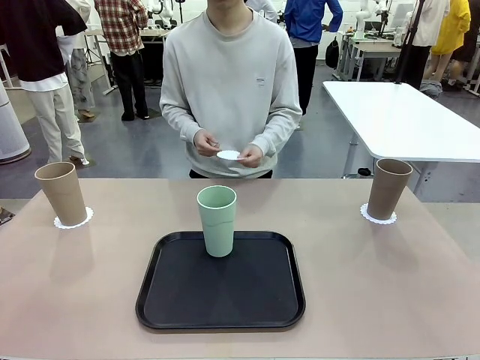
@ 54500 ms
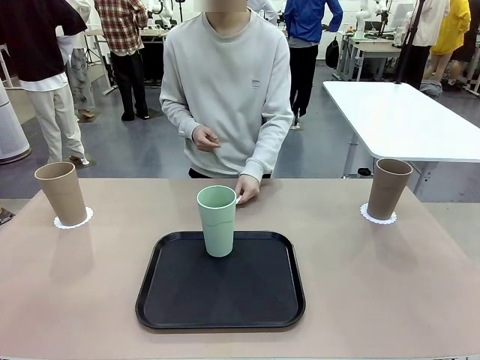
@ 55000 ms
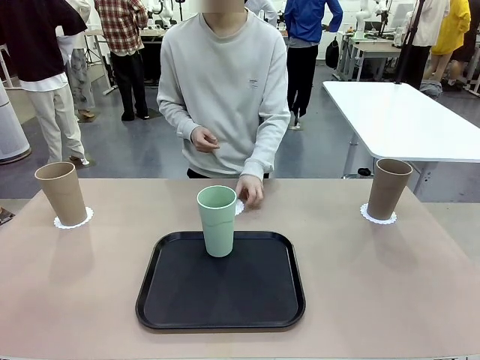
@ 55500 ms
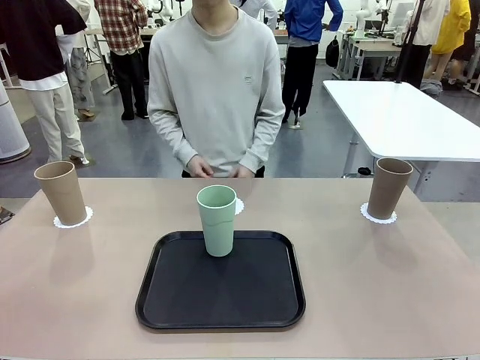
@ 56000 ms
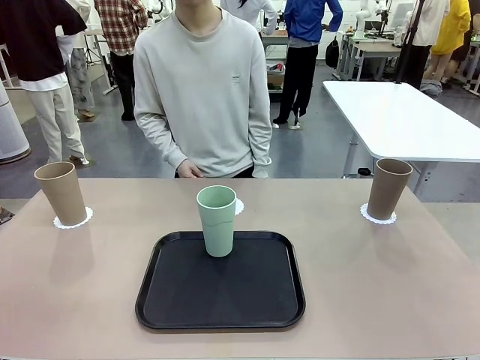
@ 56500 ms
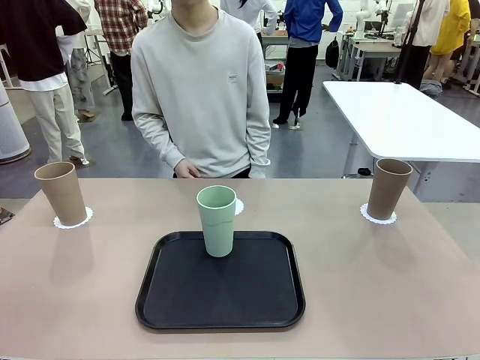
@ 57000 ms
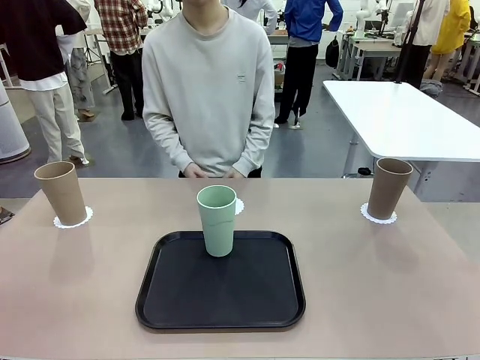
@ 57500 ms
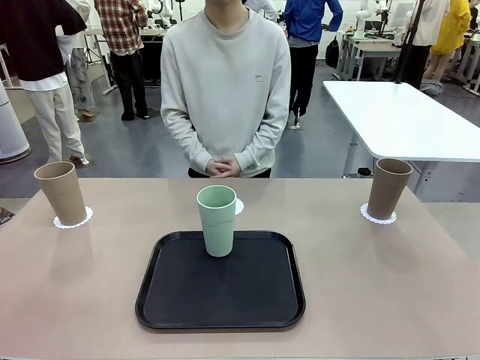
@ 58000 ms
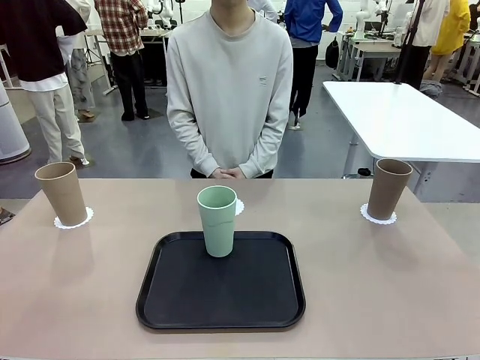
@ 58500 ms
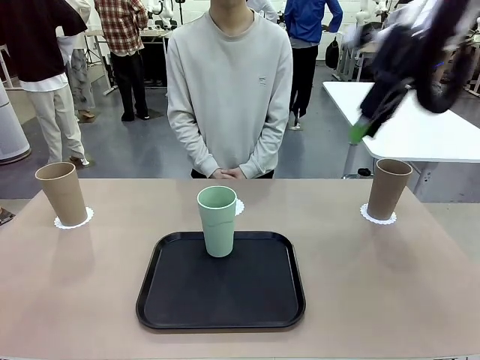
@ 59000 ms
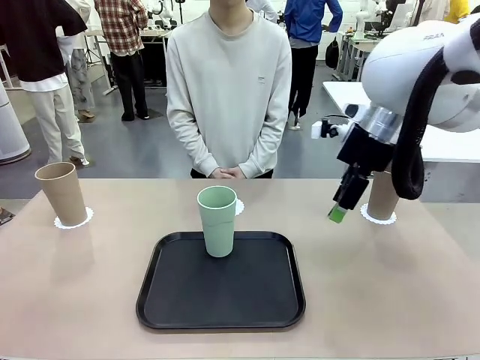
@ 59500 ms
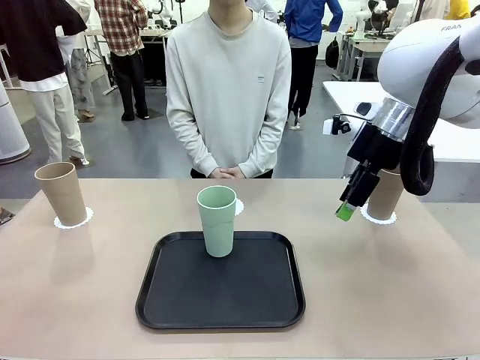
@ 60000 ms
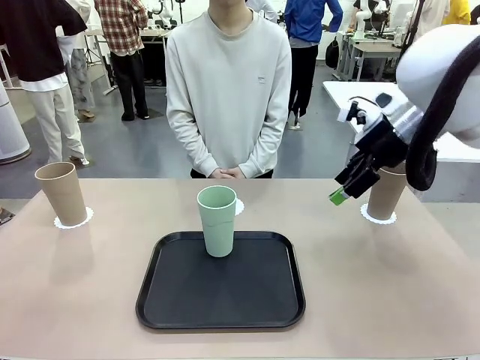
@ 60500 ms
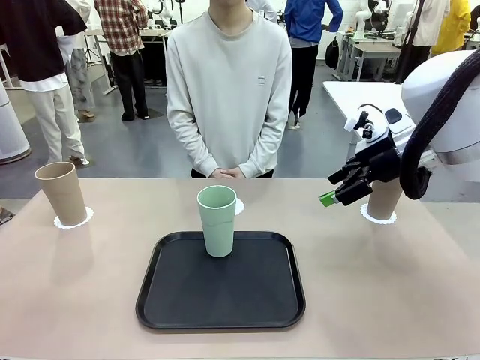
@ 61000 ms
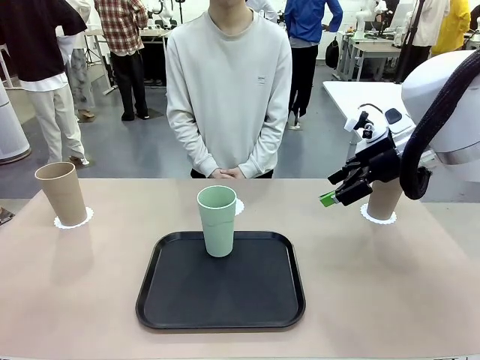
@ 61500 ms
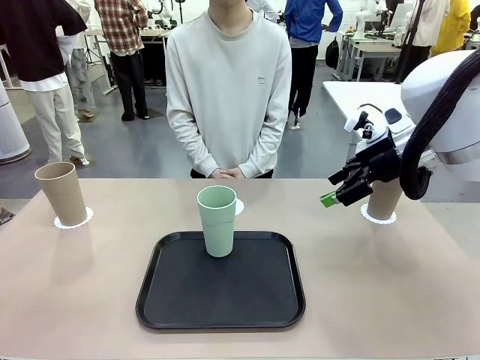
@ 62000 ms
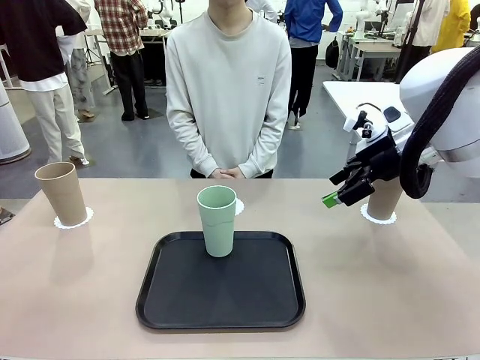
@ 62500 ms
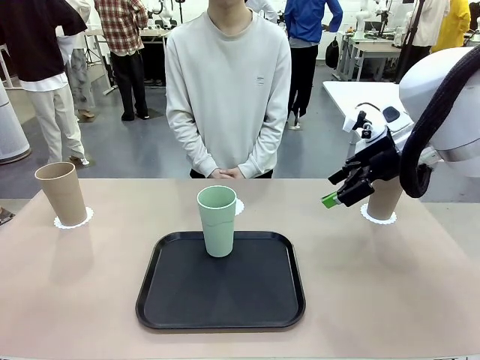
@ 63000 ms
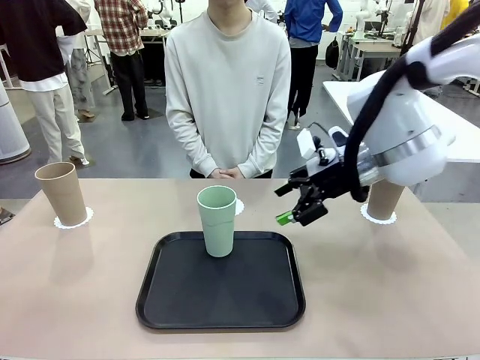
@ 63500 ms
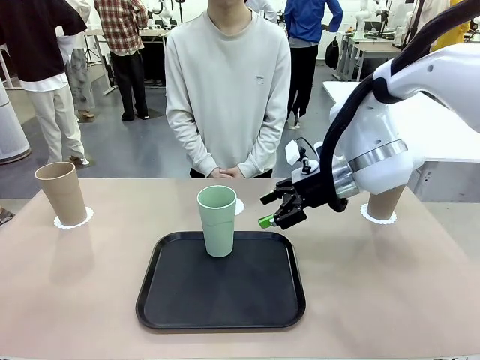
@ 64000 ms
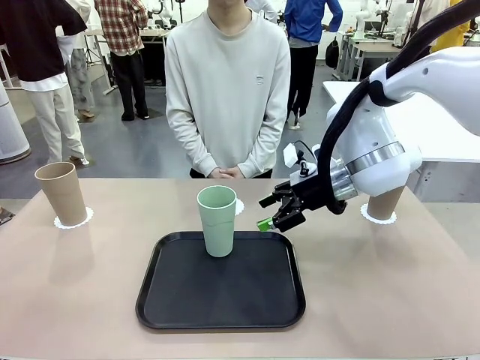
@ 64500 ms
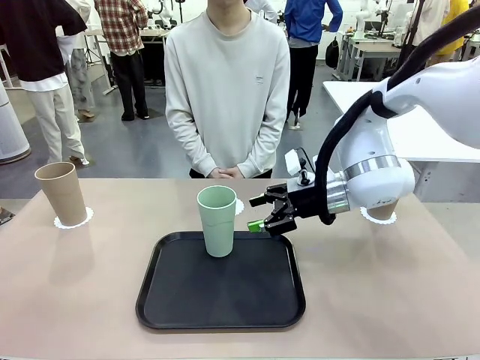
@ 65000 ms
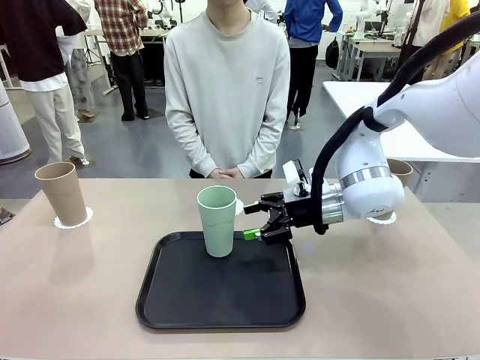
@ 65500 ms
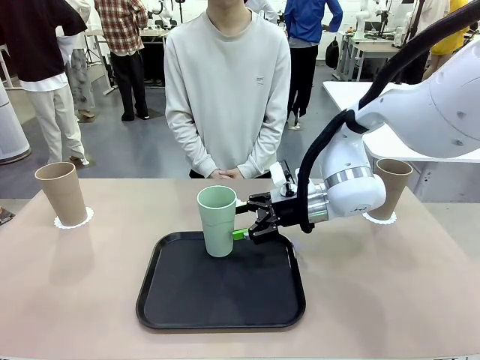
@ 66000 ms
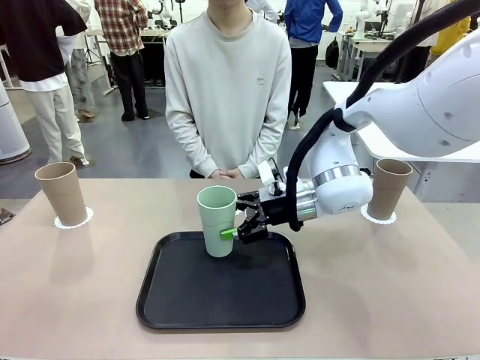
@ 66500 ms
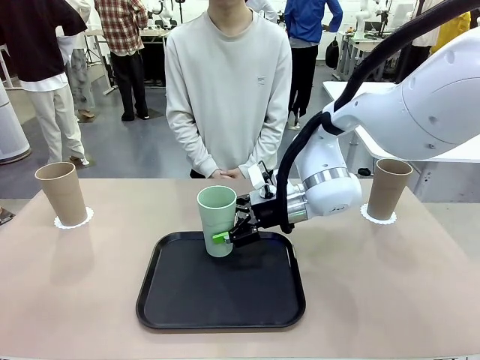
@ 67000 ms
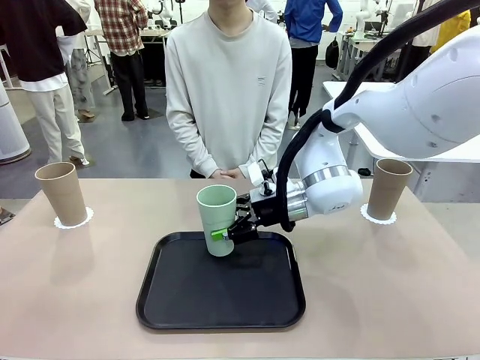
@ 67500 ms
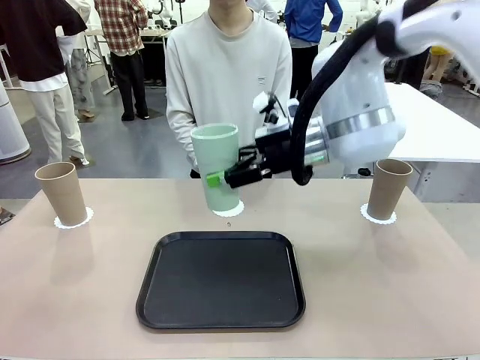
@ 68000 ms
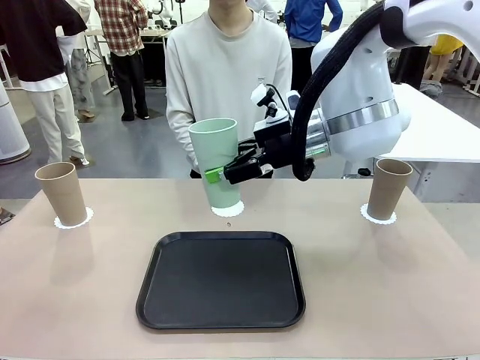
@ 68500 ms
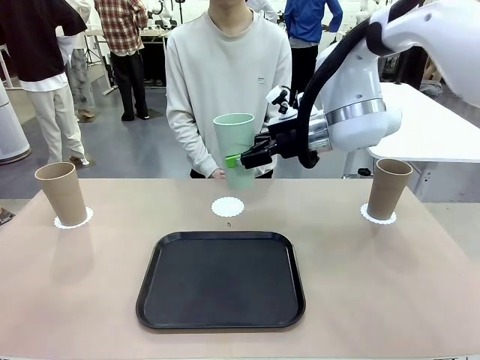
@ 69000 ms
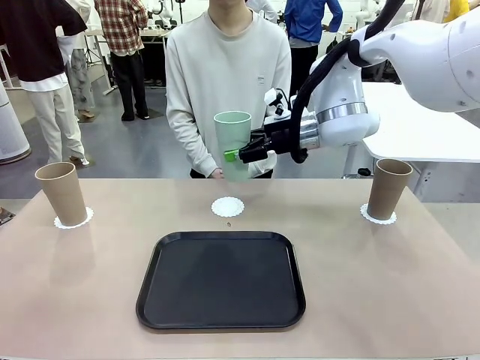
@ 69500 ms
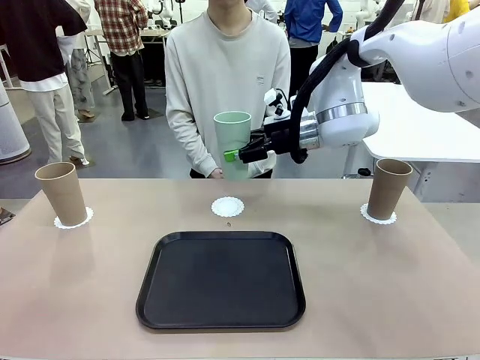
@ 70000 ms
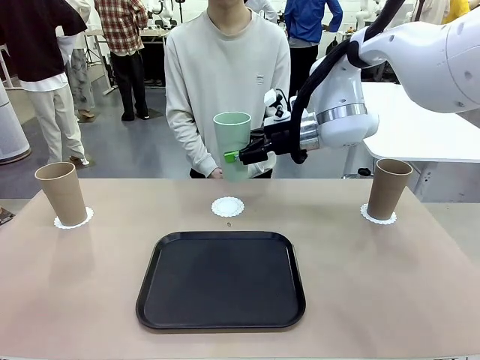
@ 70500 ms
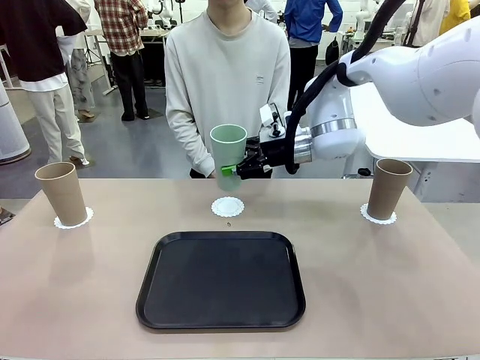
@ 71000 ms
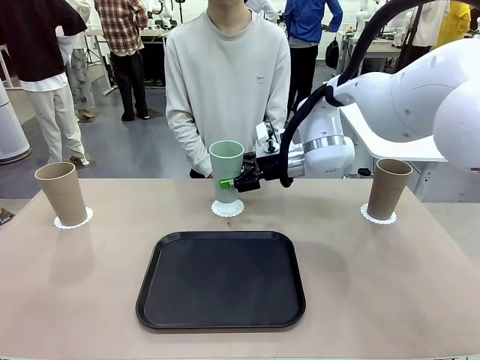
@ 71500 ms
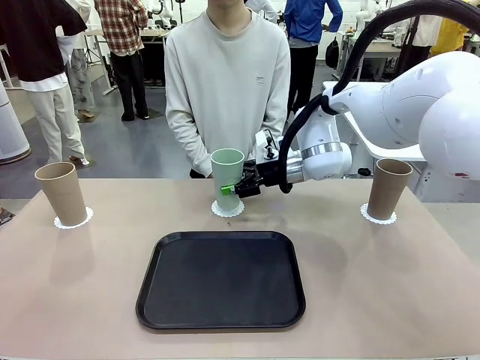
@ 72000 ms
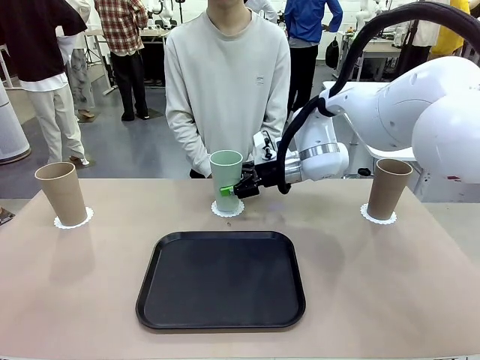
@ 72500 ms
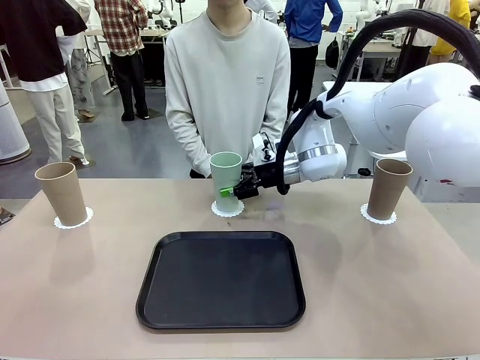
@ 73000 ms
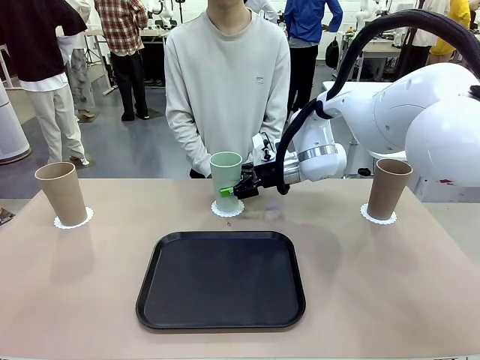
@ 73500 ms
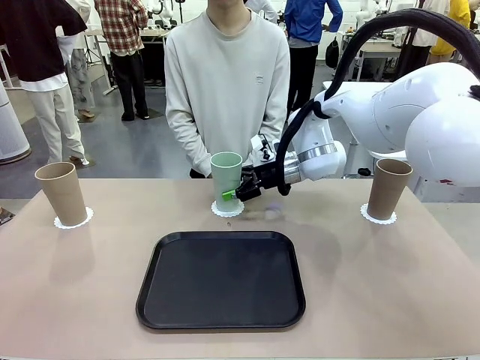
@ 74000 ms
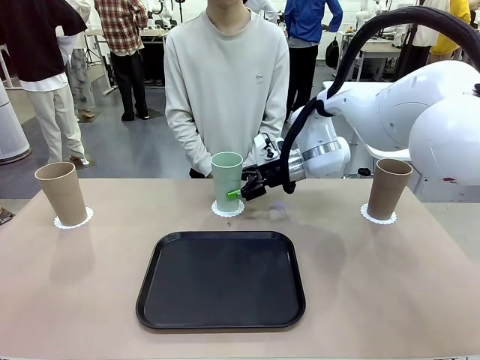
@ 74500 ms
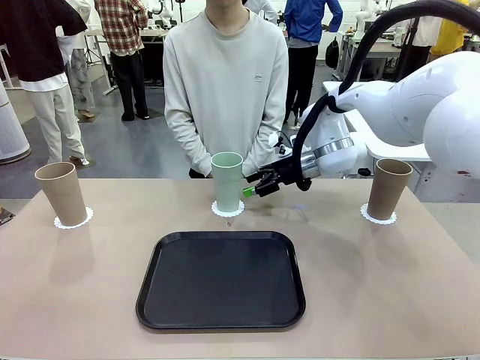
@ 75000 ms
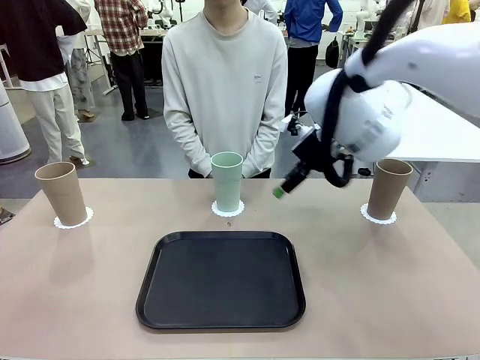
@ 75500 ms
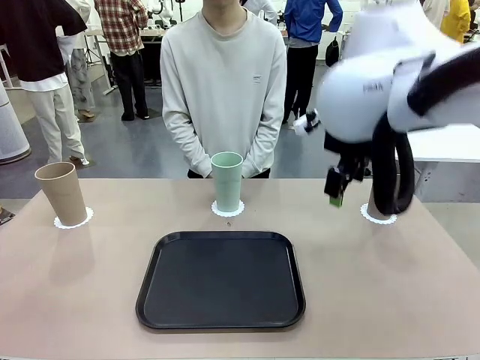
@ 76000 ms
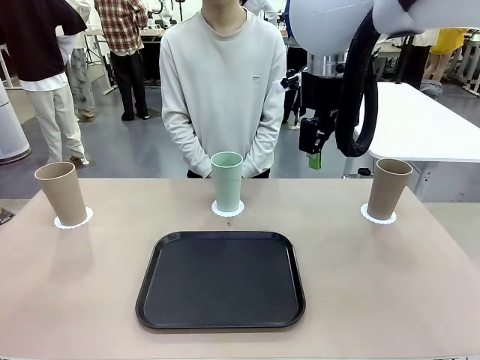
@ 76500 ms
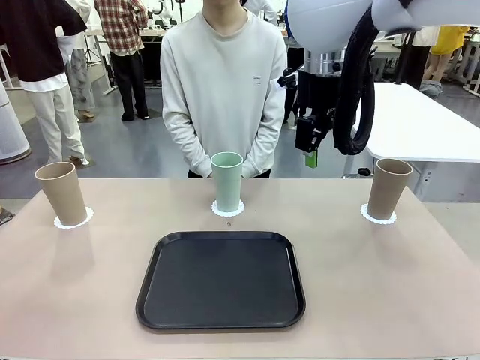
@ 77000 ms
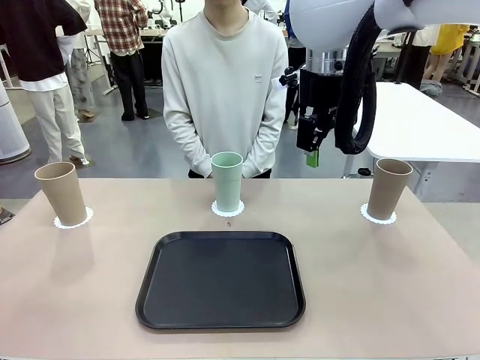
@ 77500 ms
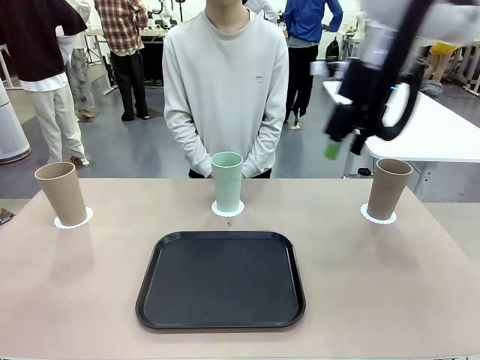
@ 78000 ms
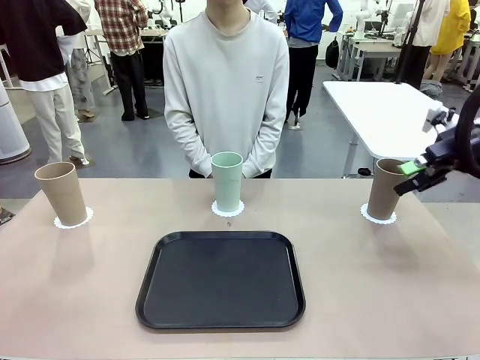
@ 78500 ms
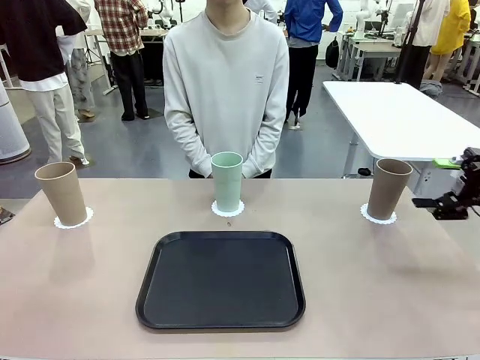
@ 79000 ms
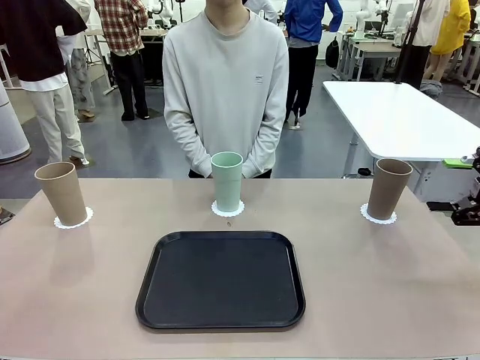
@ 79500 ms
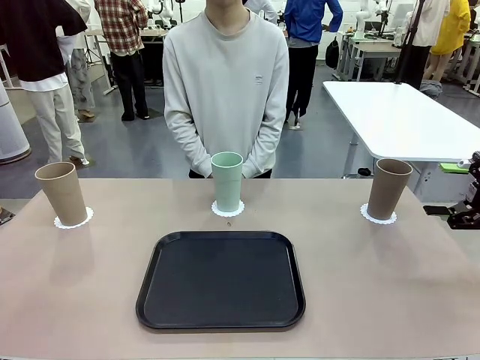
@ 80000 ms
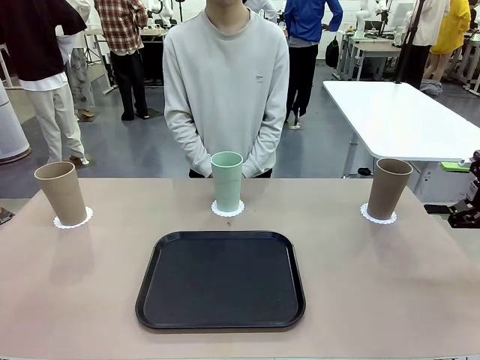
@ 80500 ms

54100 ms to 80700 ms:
Task: Place coasters on the table and set cups on them.
Robot: Take one Reusable plastic cup from the Flat Tray and place it on a coaster set by the human.
Person: Place one coaster in the only remaining area.
